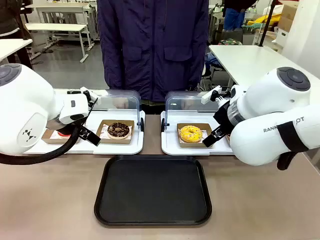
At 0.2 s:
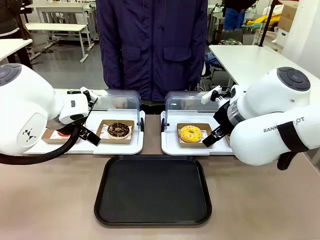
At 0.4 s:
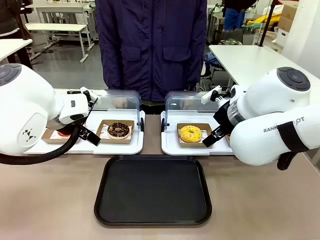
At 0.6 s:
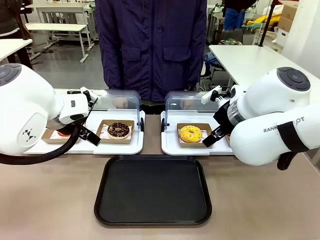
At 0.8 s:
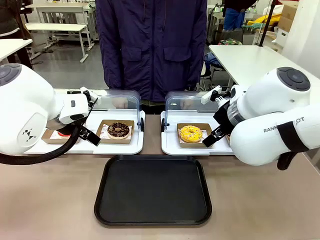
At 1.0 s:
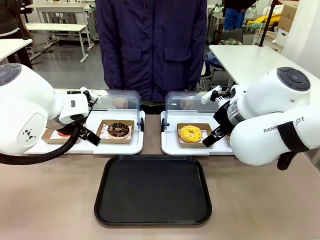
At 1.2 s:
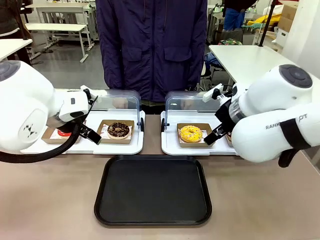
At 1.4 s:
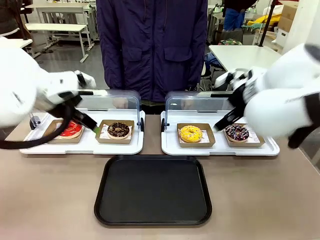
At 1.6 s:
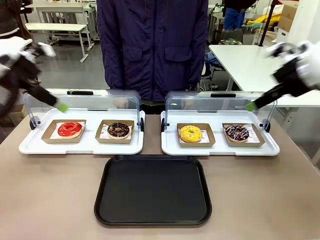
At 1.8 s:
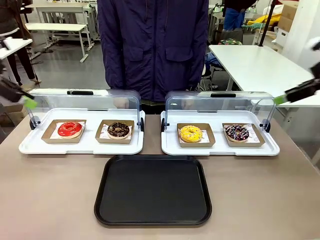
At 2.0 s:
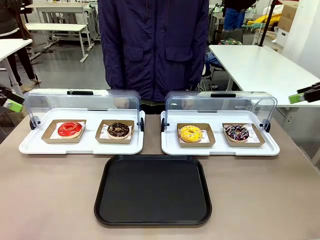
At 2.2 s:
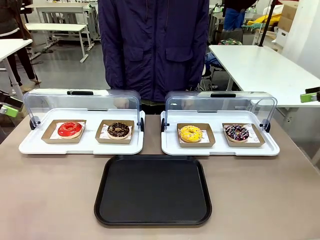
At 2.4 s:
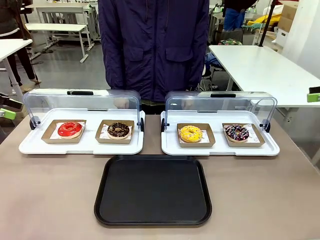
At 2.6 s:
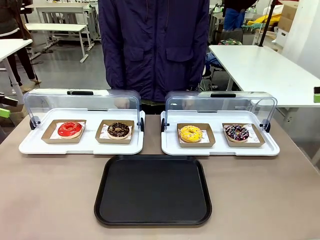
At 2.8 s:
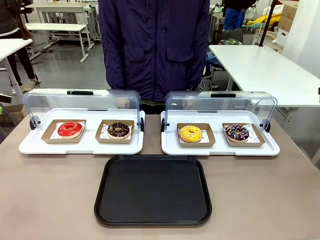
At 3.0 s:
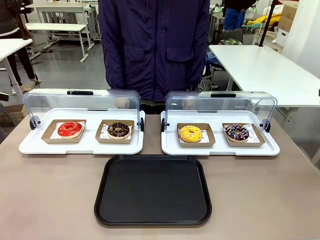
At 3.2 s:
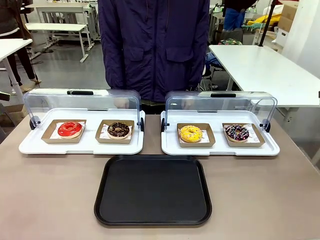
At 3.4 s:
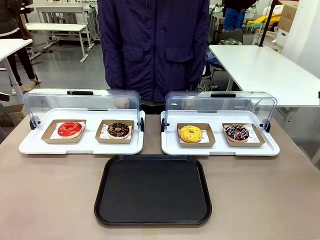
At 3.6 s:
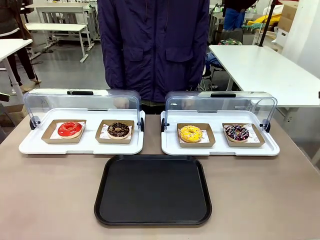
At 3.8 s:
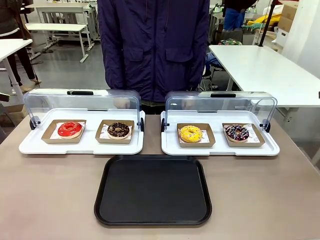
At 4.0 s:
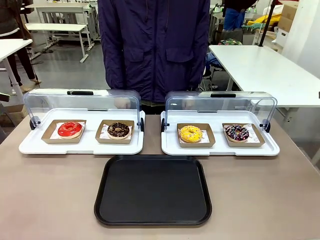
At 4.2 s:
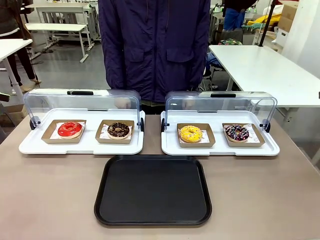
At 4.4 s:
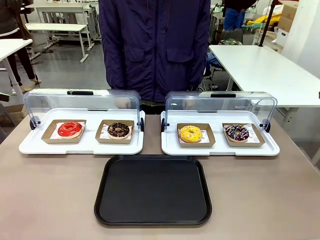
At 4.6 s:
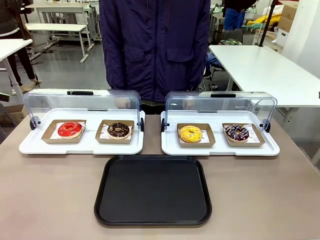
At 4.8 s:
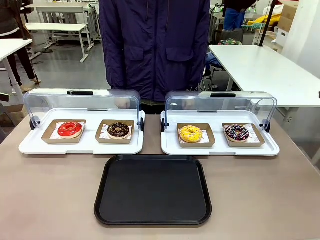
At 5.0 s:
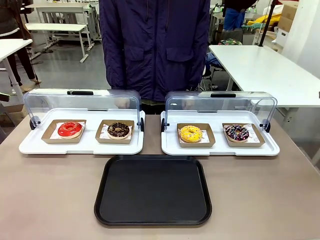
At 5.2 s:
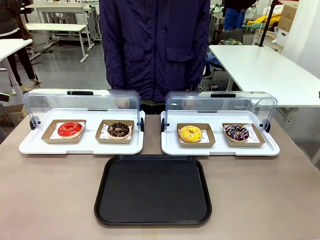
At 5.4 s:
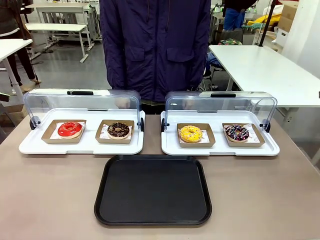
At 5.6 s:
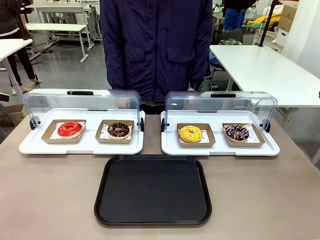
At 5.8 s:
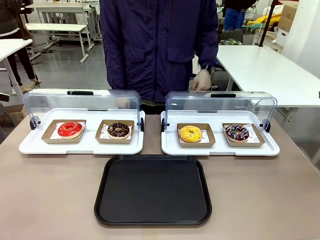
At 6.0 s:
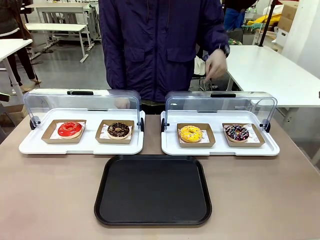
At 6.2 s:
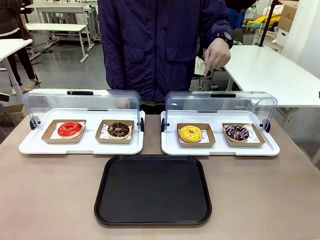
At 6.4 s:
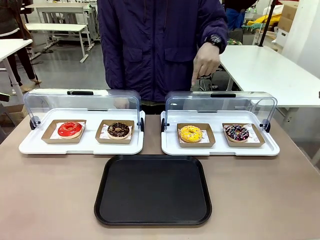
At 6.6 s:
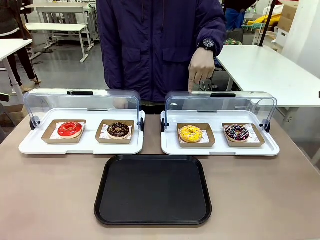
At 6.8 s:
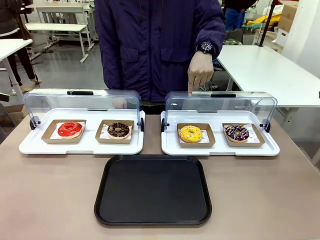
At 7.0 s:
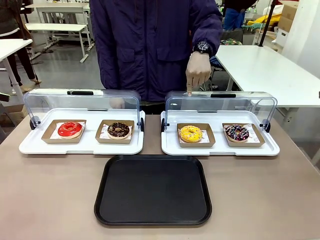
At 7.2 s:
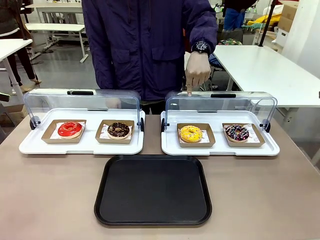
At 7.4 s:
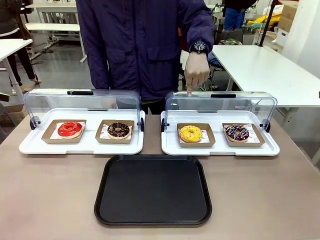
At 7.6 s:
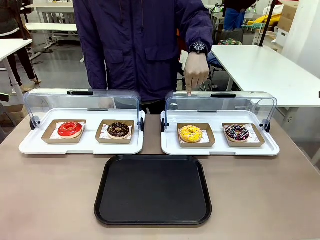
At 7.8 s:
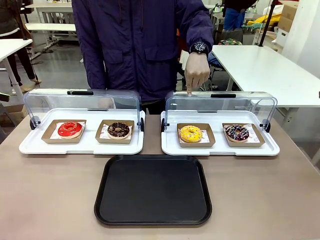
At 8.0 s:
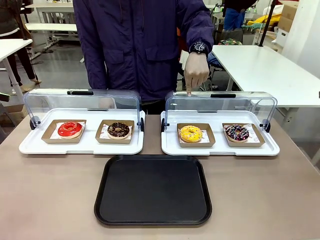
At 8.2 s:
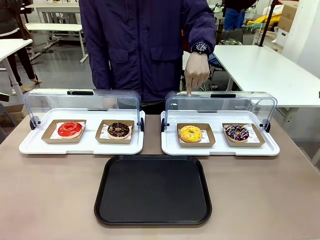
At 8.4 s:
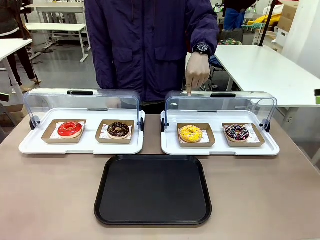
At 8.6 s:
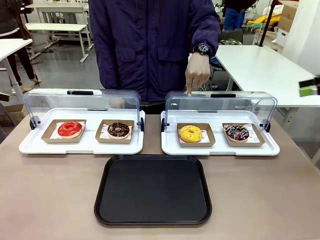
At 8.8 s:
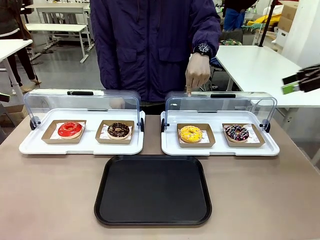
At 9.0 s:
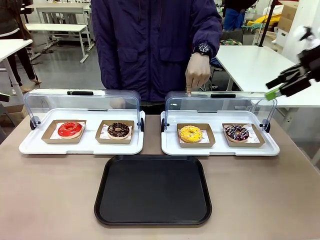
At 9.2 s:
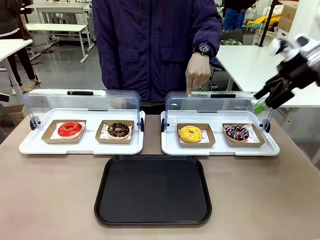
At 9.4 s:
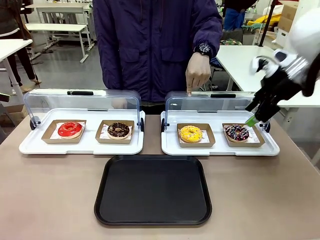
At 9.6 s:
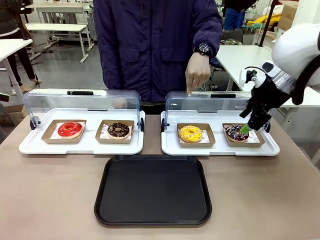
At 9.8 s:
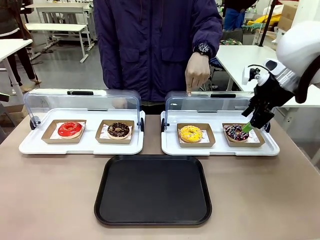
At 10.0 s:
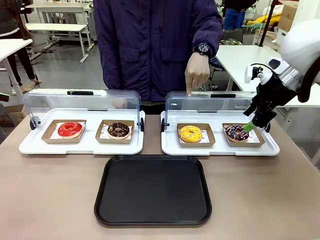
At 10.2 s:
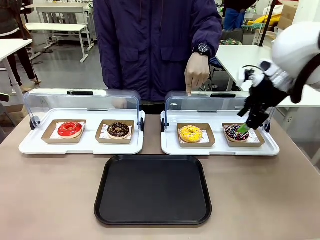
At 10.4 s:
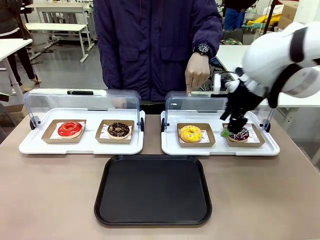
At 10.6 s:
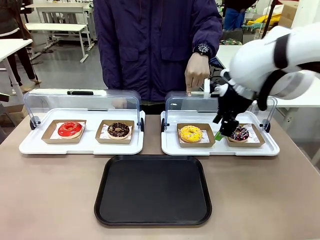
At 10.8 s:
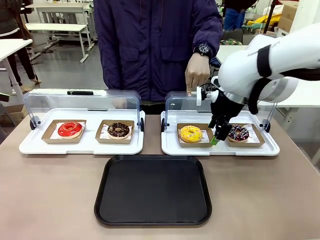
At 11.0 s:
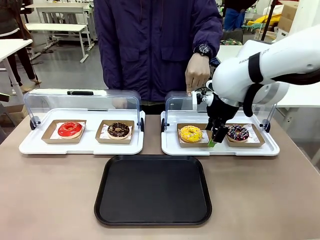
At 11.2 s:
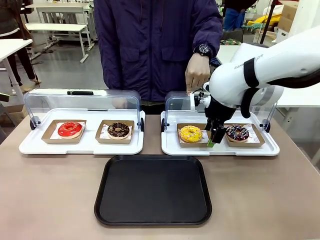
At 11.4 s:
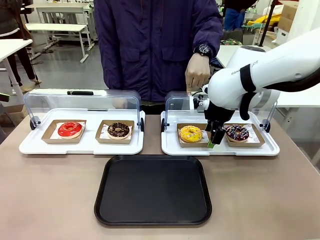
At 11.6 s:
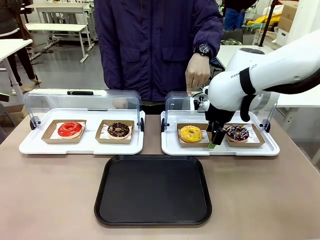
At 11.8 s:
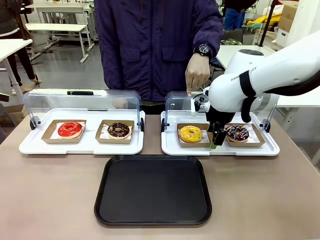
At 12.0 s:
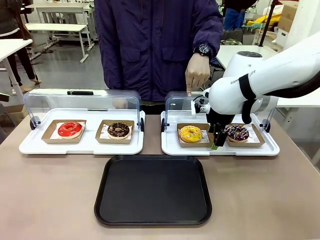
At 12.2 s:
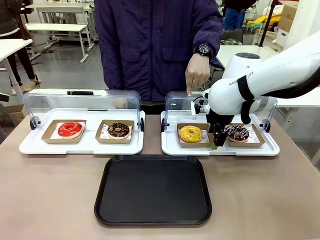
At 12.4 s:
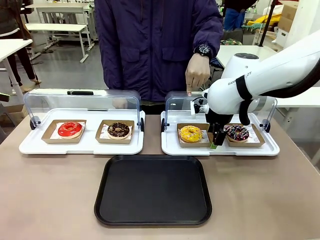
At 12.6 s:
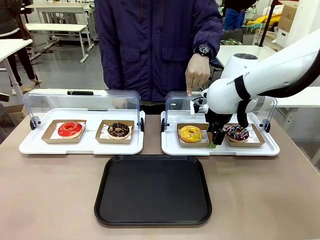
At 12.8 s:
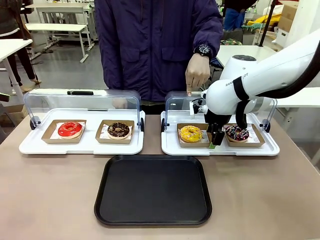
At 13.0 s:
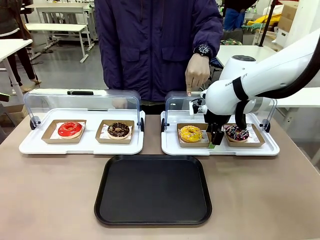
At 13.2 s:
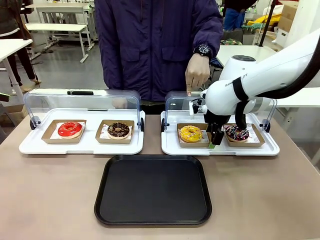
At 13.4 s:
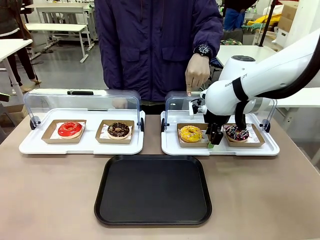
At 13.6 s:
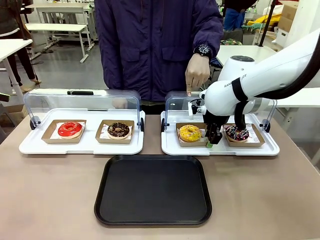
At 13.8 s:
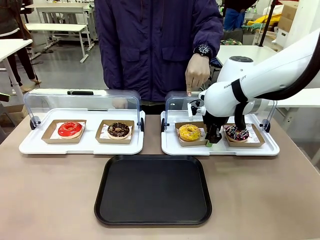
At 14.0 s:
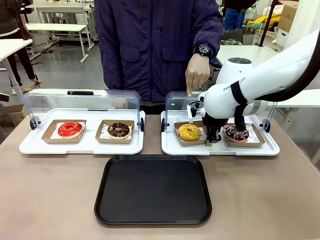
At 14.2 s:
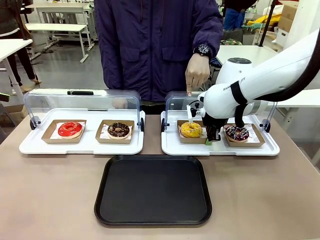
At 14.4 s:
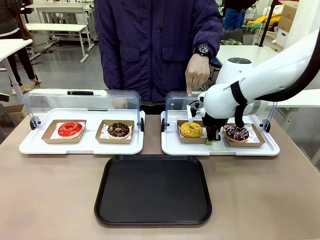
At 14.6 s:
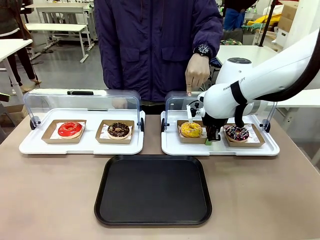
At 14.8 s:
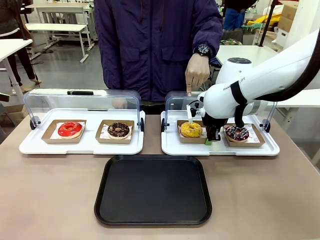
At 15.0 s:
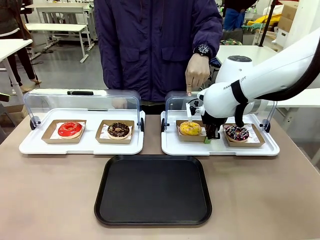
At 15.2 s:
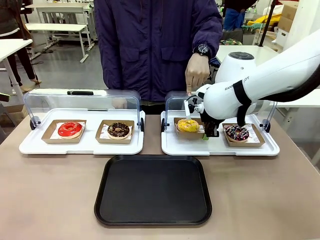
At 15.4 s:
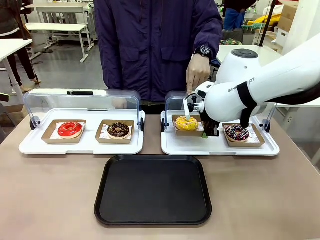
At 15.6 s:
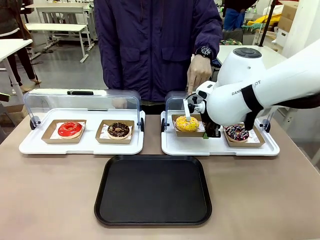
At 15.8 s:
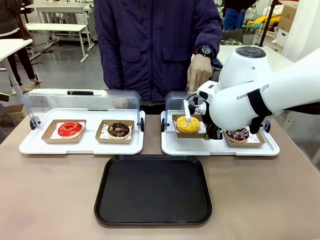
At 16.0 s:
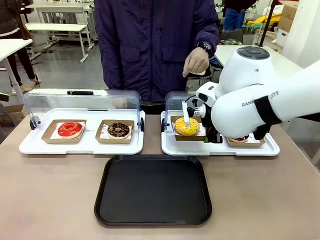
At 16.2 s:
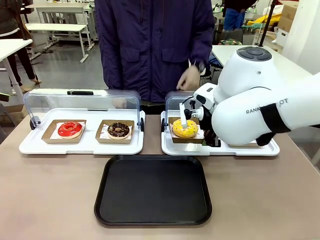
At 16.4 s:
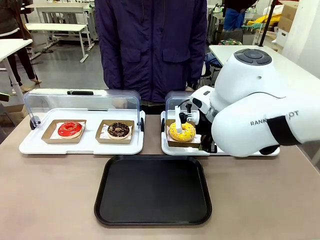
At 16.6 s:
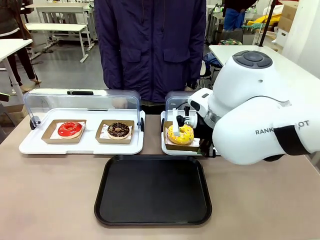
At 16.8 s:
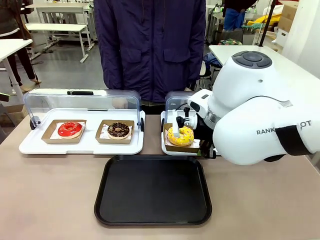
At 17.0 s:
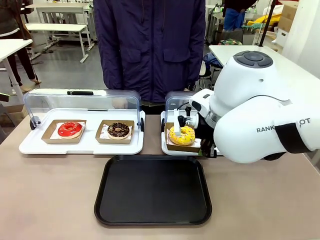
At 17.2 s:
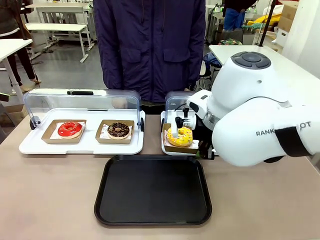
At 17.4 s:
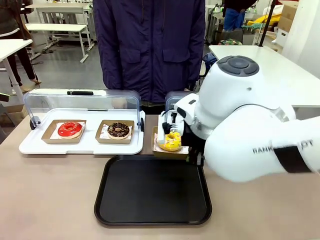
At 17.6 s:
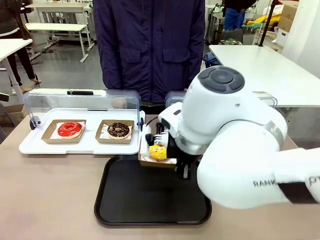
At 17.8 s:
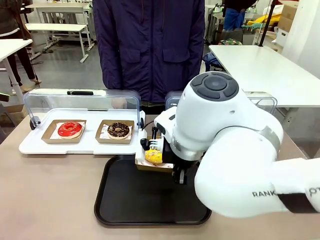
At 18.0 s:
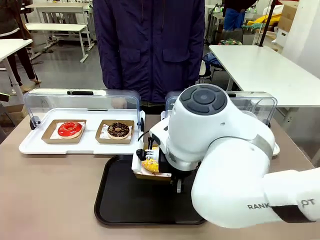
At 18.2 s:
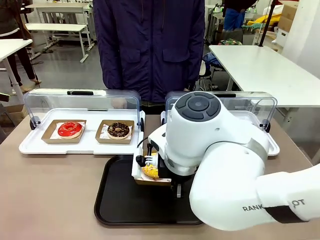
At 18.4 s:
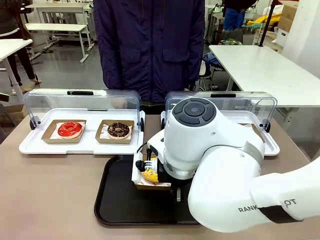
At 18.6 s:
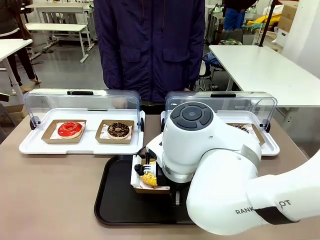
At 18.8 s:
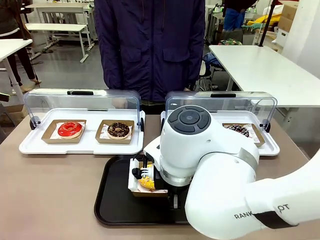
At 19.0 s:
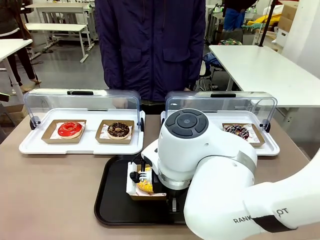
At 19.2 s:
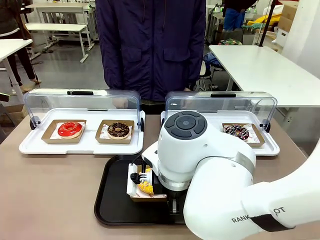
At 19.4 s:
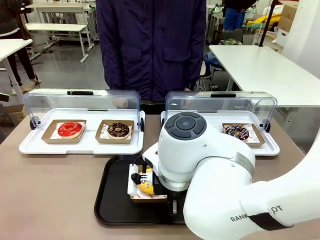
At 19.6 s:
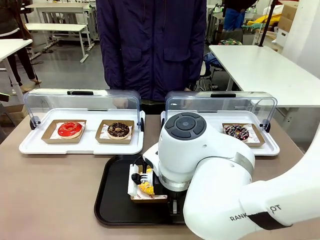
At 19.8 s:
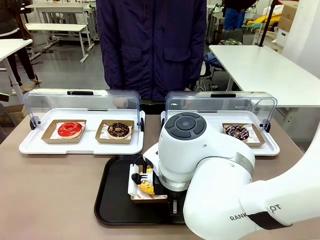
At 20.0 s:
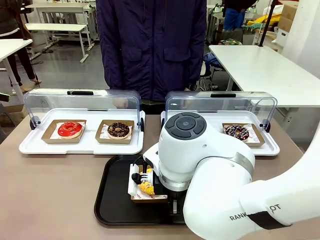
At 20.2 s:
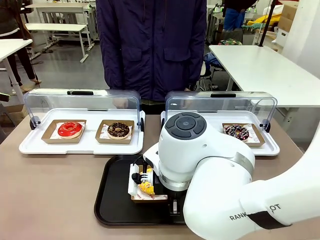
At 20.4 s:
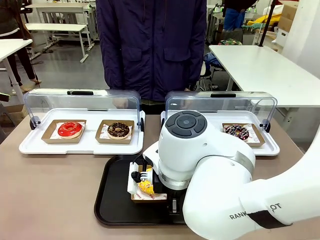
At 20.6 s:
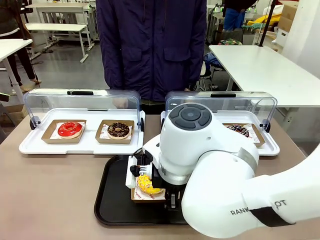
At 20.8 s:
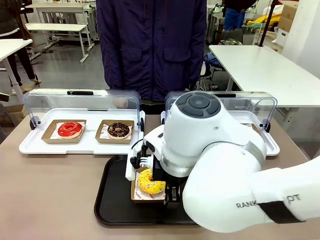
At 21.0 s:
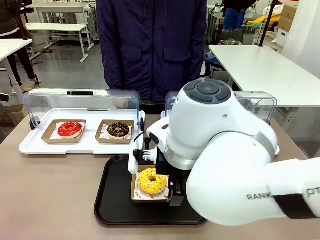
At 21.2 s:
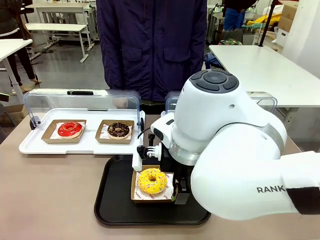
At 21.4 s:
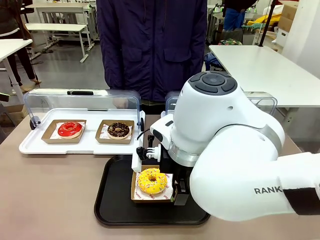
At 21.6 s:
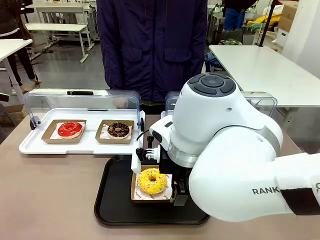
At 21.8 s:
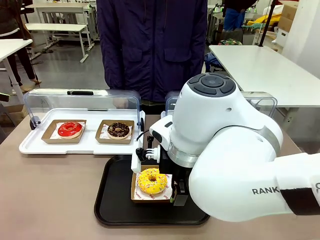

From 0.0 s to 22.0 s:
Task: Move the third donut from the left to the tray.
Robot: Pick up the Paper togo box containing the Donut indicated by the person and place it on the Handle tray.
Person: Points to the third donut from the left from the robot’s perspective.
